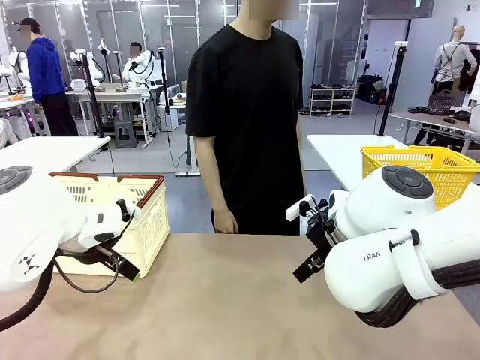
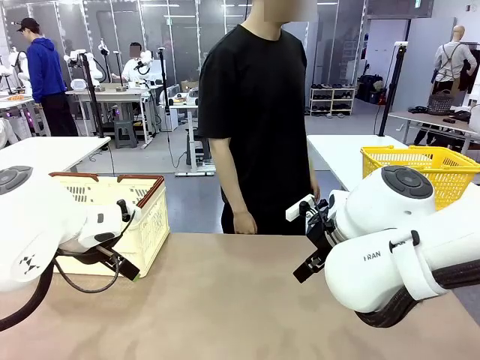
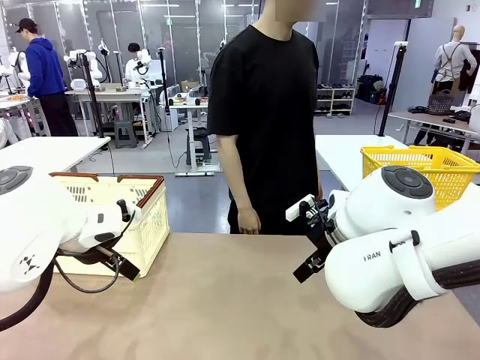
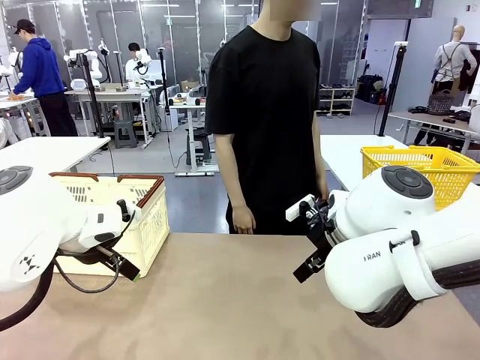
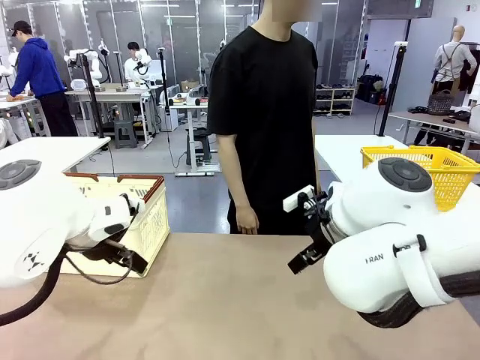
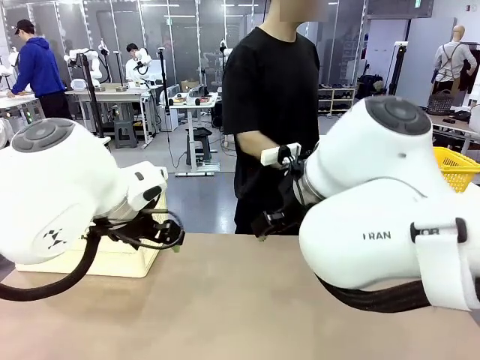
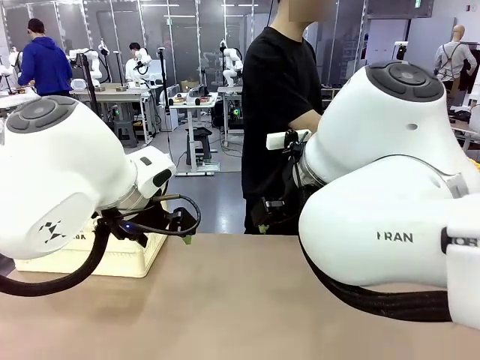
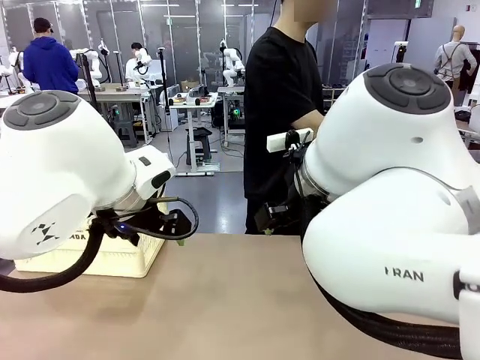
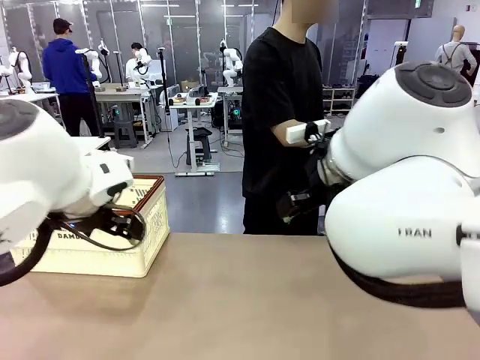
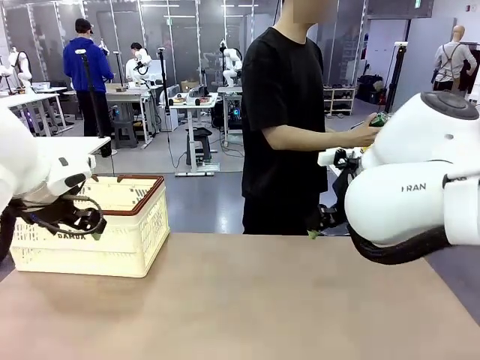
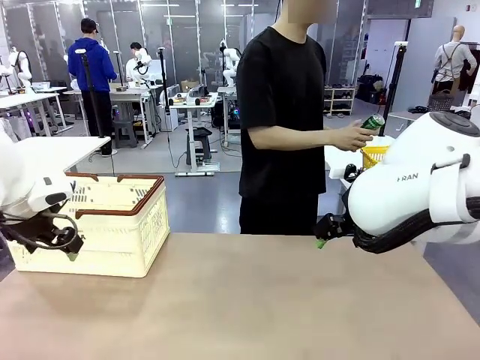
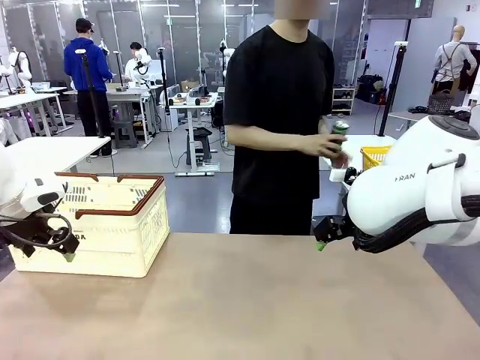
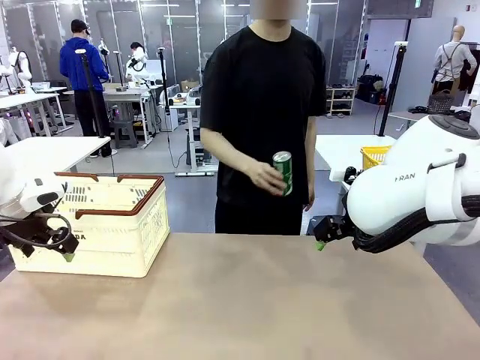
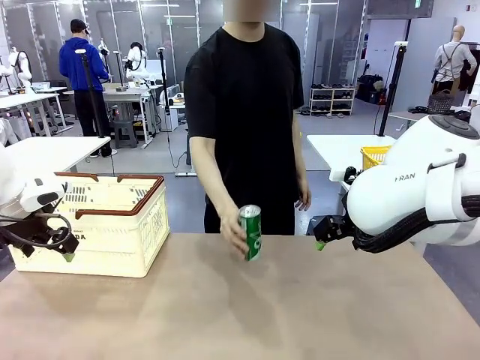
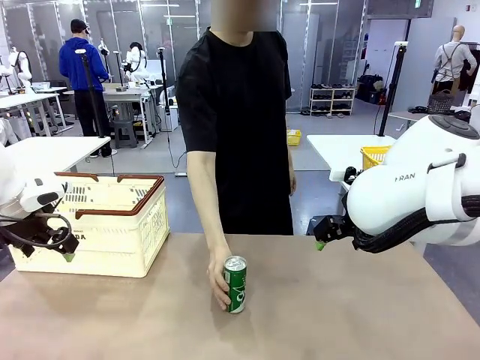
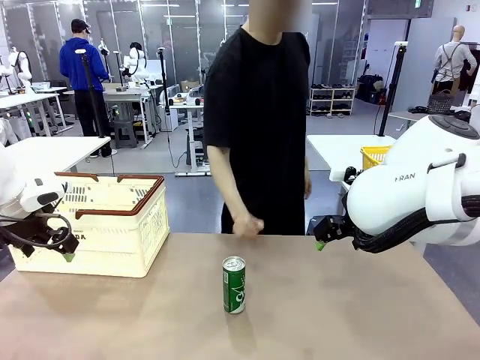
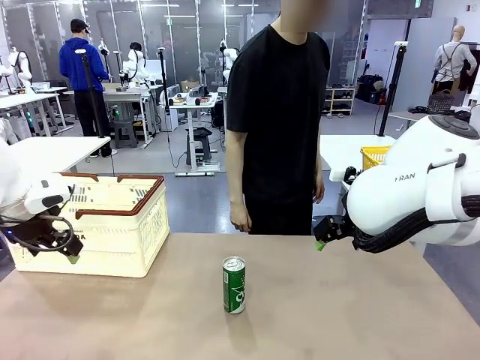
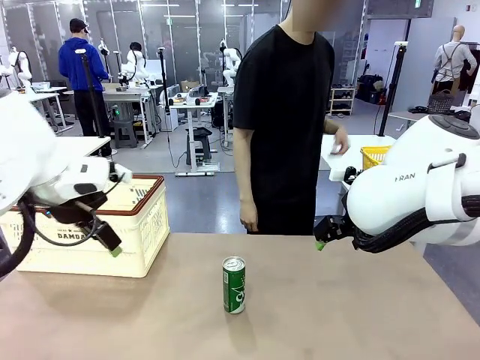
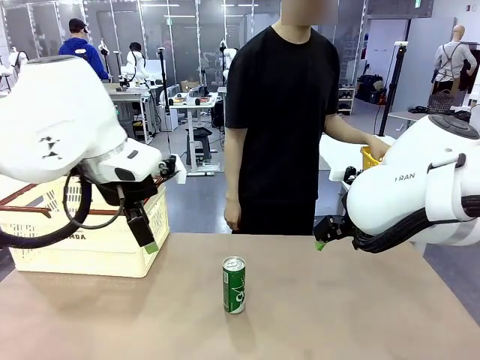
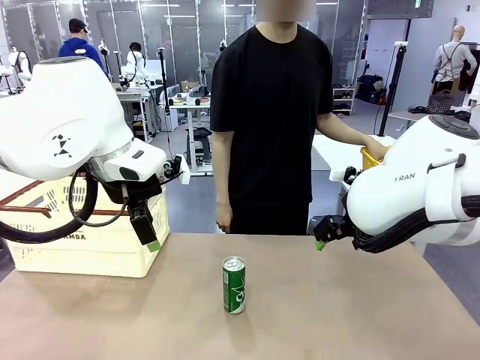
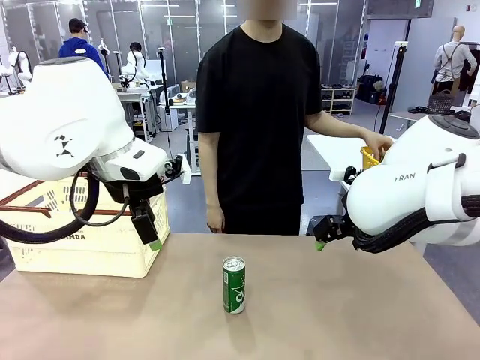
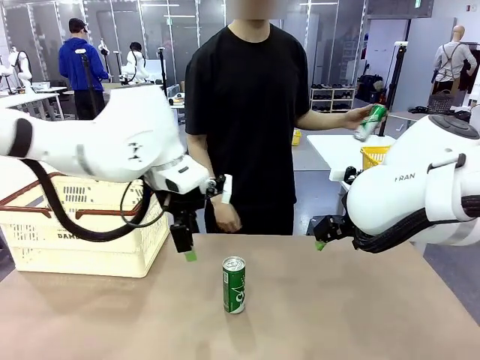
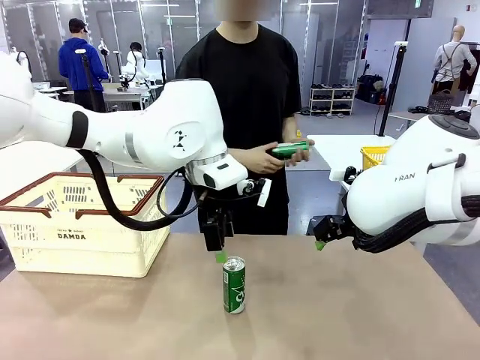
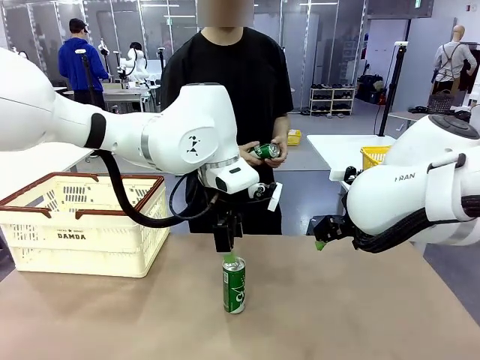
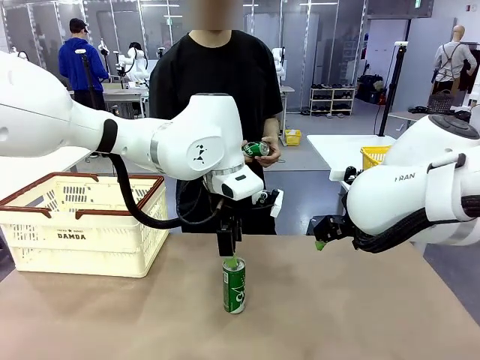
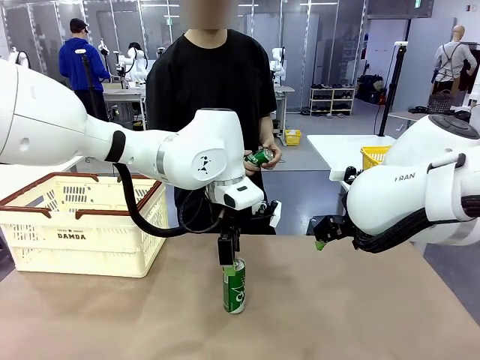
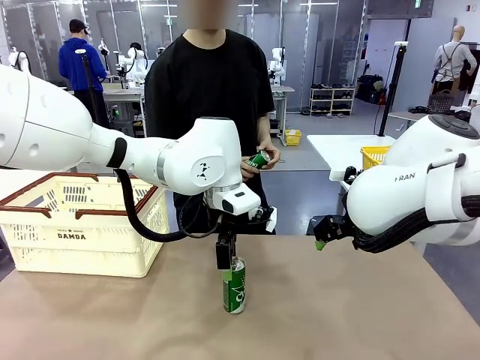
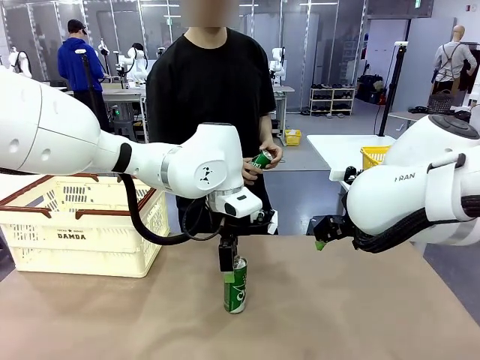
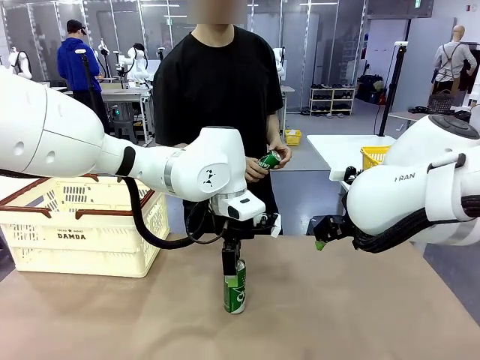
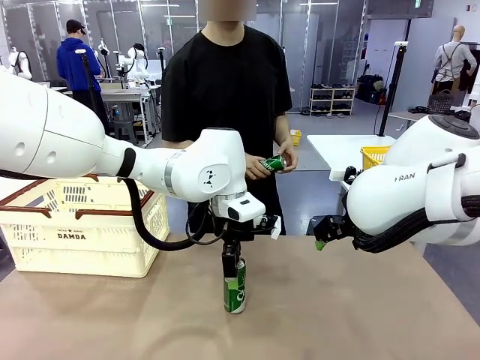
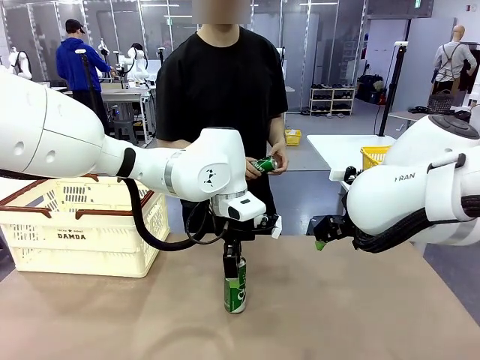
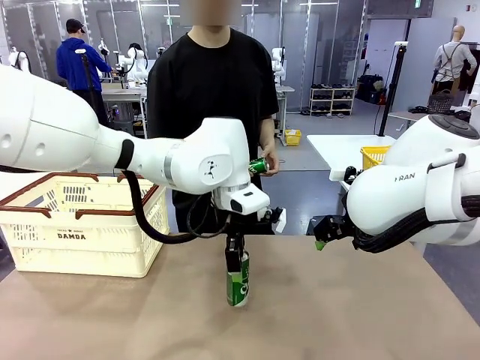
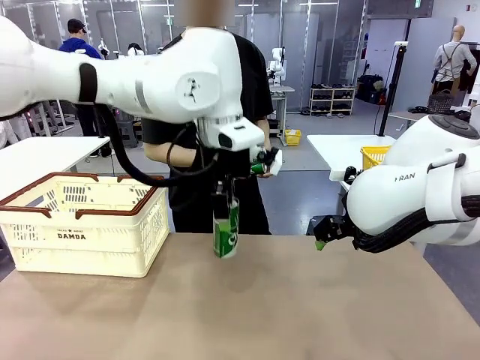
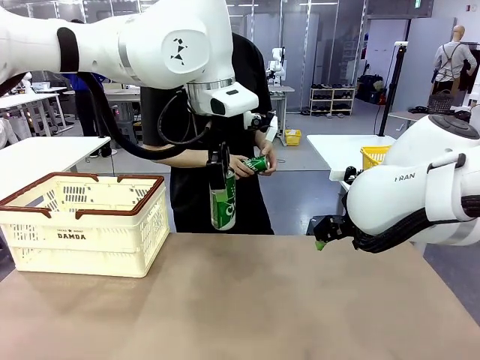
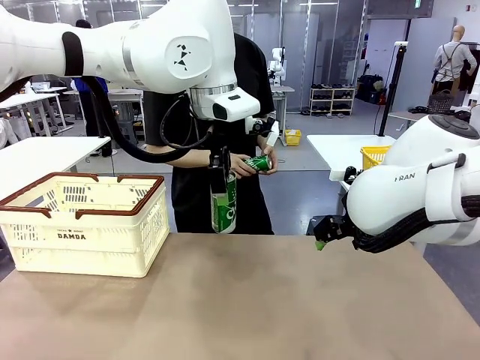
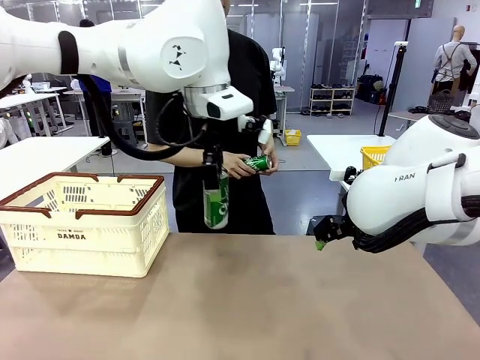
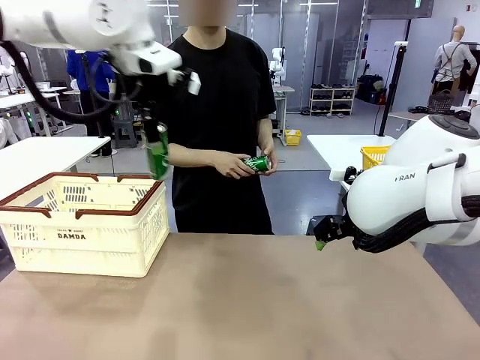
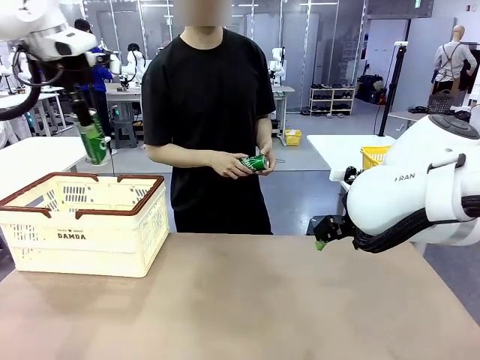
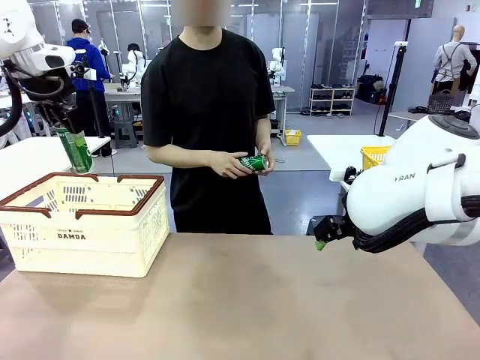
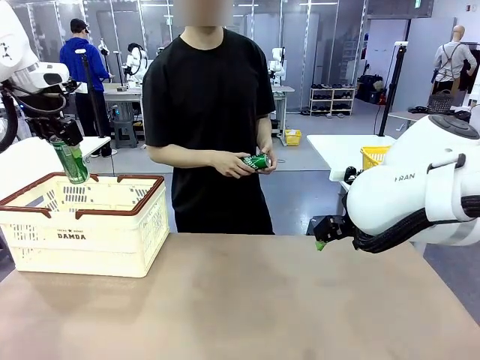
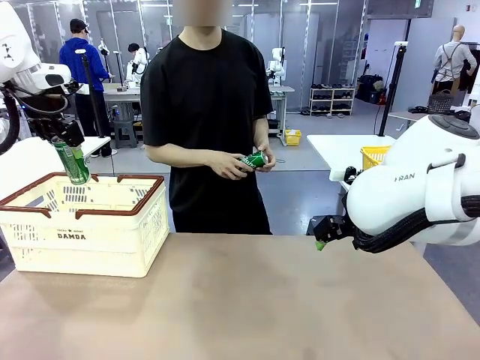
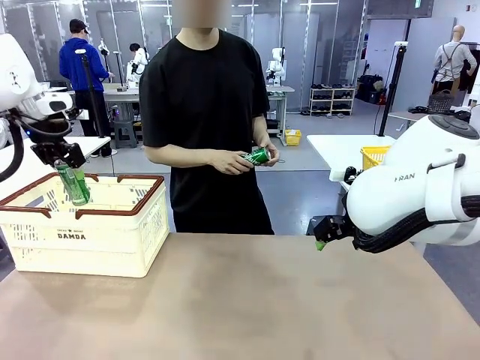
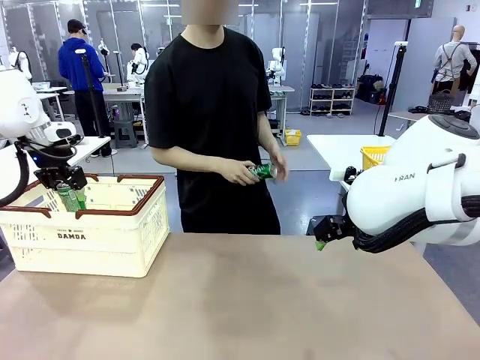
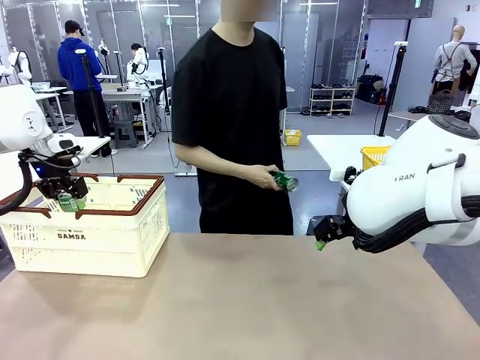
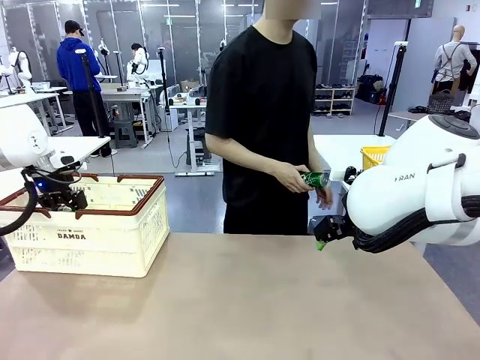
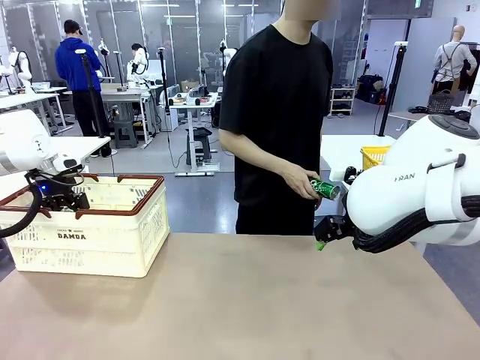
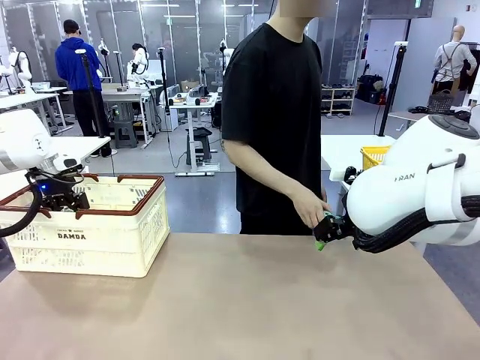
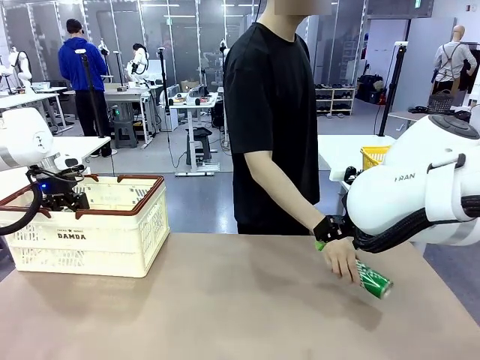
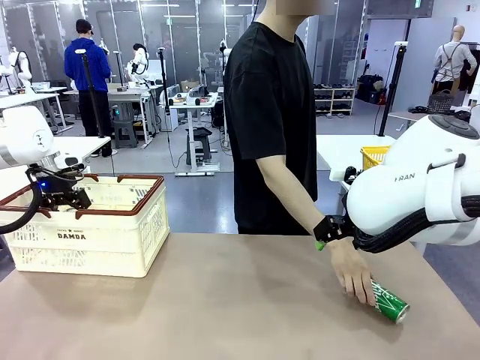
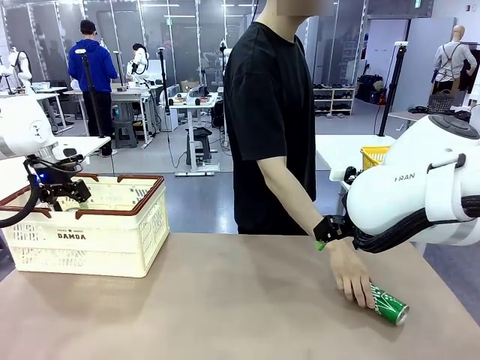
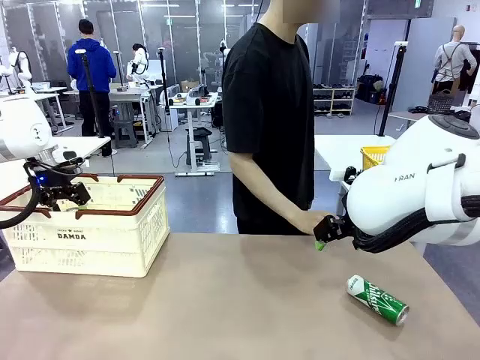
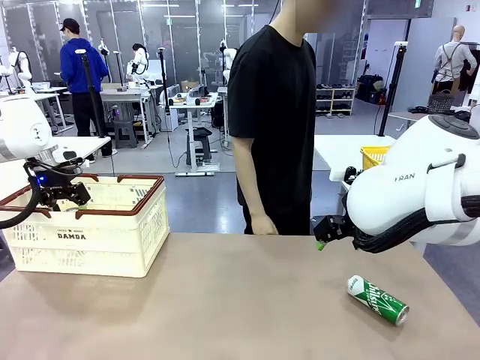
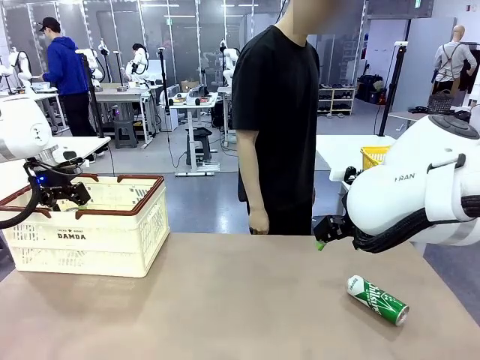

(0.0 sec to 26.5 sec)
Task: Place the drinks into the Shopping basket.
Robot: Pick up one drink and place it into the Shopping basket.
